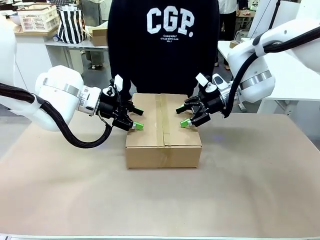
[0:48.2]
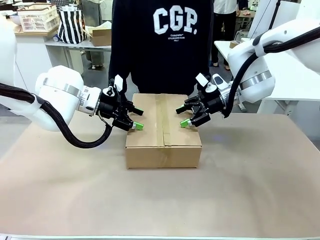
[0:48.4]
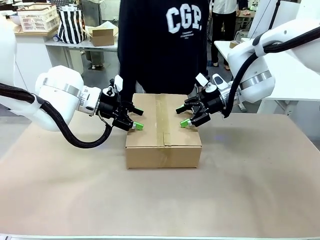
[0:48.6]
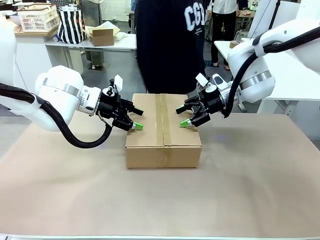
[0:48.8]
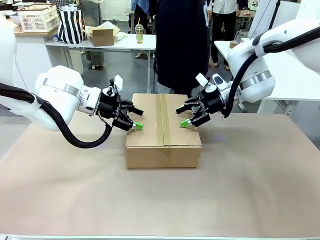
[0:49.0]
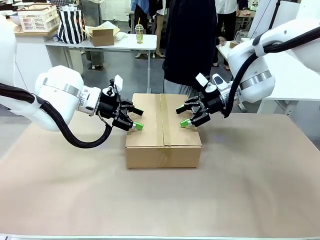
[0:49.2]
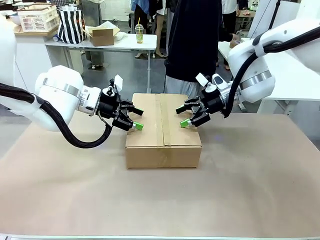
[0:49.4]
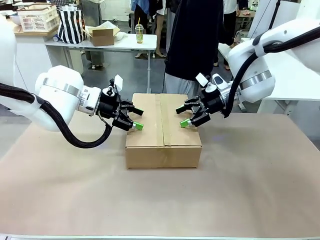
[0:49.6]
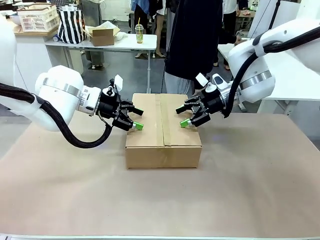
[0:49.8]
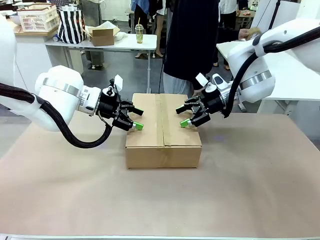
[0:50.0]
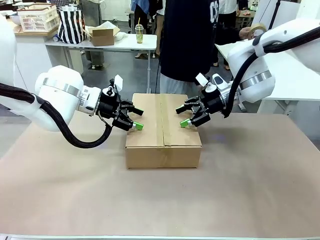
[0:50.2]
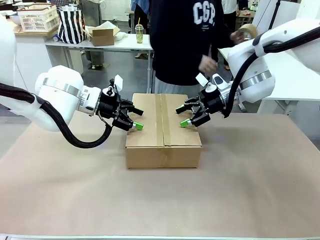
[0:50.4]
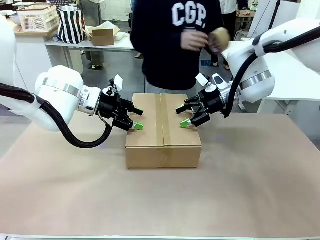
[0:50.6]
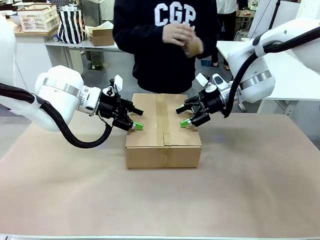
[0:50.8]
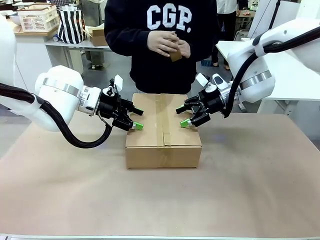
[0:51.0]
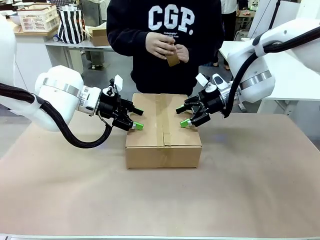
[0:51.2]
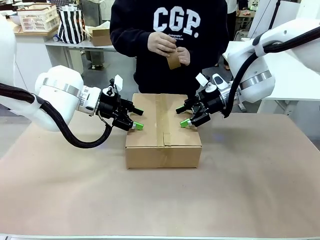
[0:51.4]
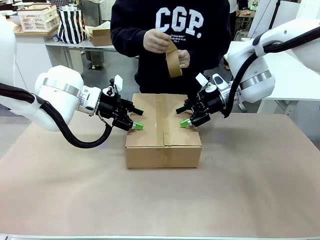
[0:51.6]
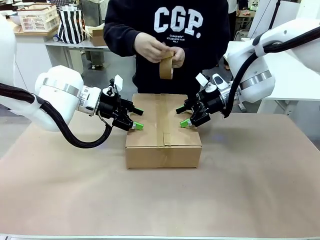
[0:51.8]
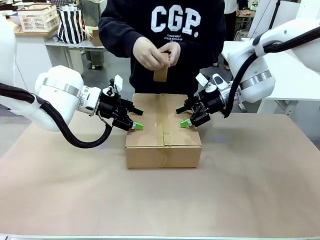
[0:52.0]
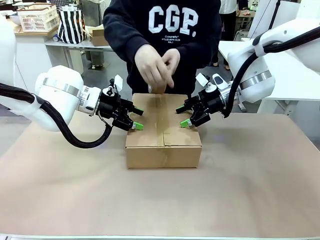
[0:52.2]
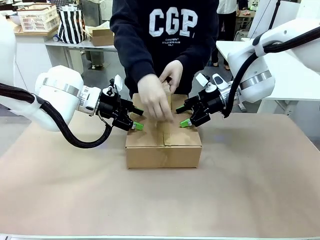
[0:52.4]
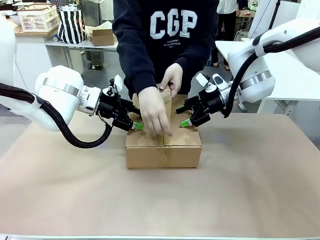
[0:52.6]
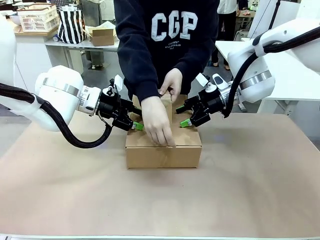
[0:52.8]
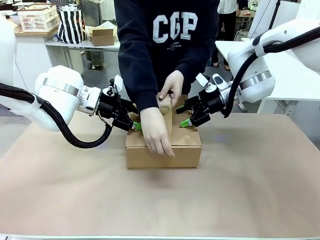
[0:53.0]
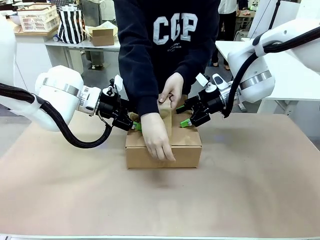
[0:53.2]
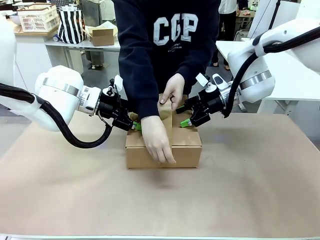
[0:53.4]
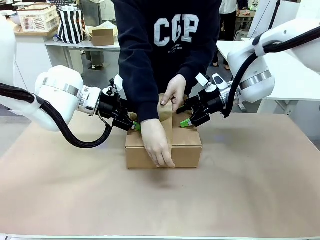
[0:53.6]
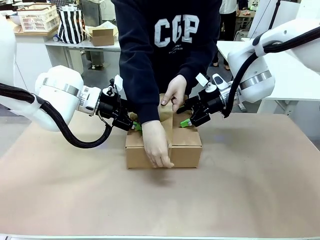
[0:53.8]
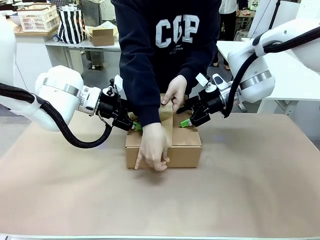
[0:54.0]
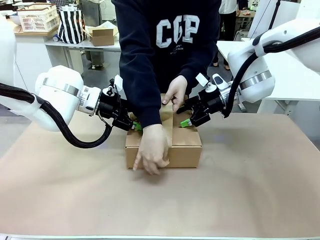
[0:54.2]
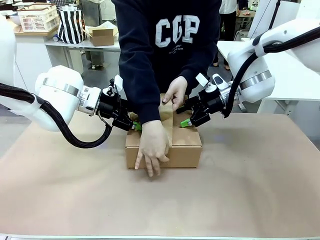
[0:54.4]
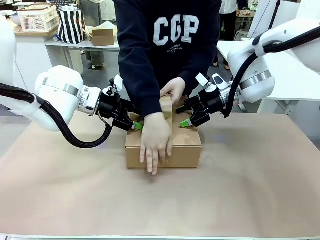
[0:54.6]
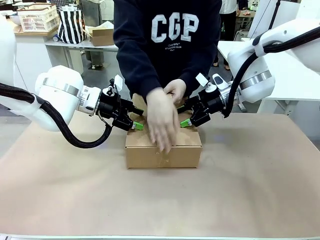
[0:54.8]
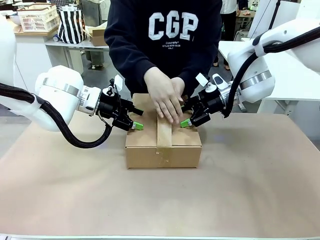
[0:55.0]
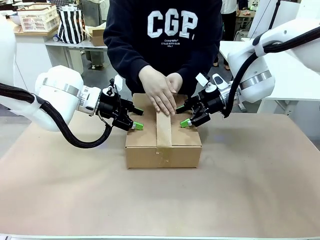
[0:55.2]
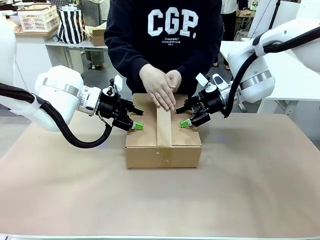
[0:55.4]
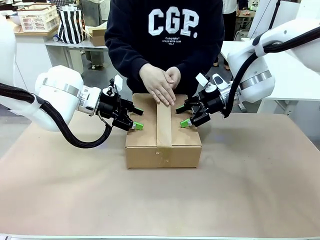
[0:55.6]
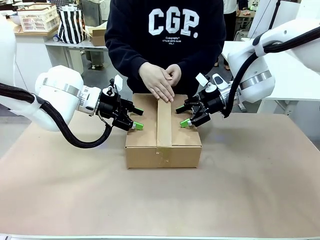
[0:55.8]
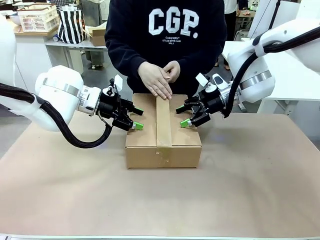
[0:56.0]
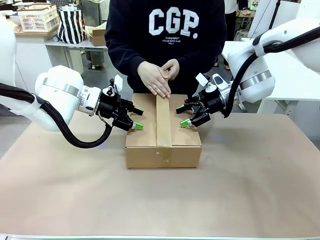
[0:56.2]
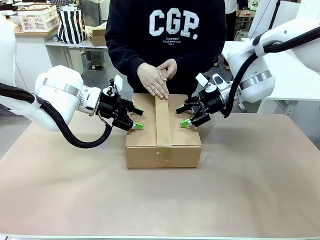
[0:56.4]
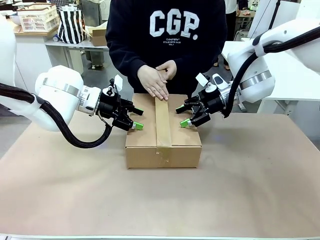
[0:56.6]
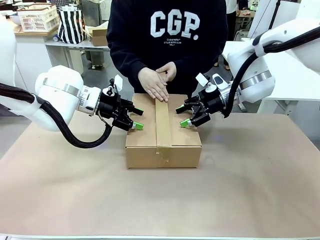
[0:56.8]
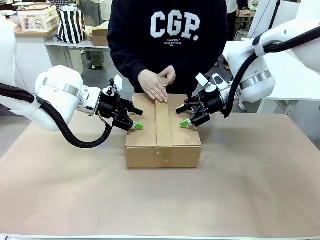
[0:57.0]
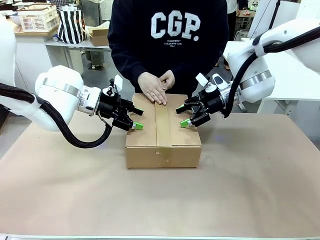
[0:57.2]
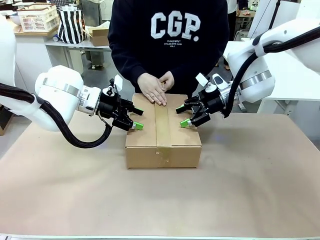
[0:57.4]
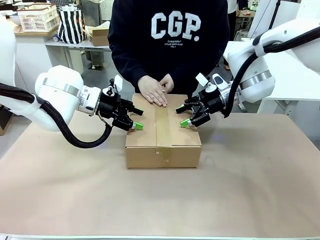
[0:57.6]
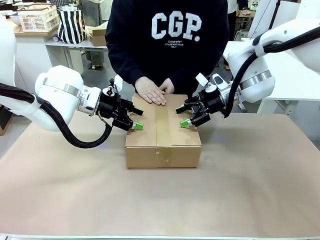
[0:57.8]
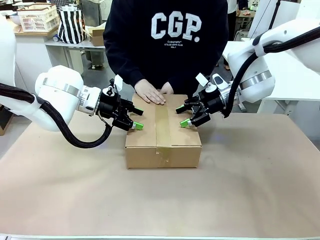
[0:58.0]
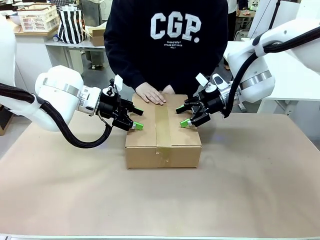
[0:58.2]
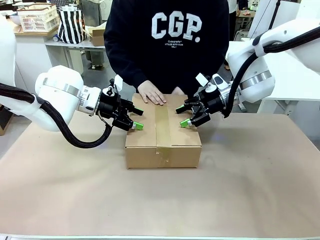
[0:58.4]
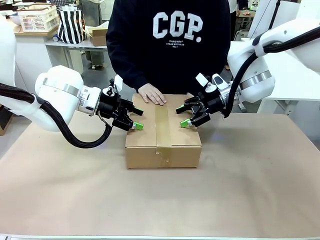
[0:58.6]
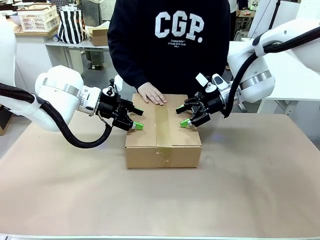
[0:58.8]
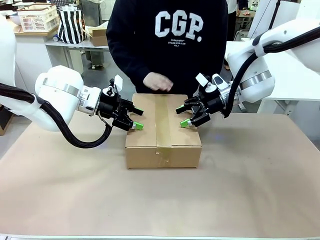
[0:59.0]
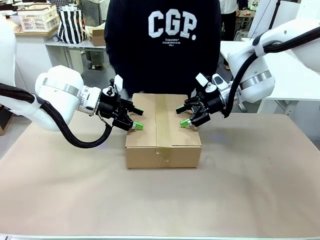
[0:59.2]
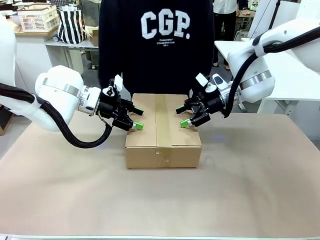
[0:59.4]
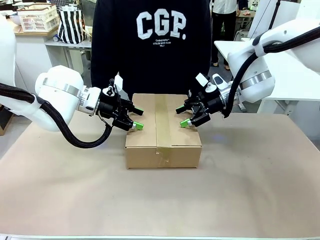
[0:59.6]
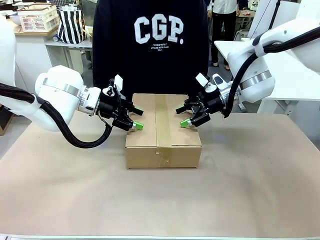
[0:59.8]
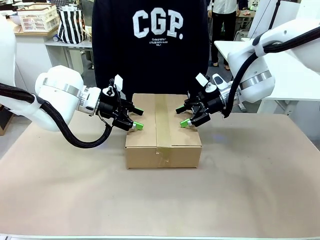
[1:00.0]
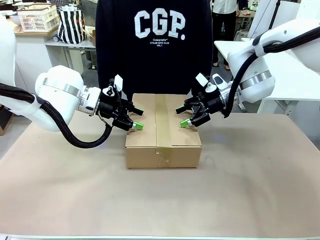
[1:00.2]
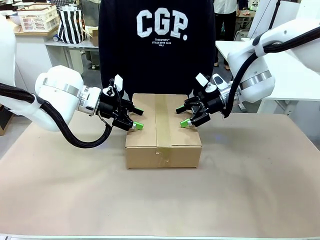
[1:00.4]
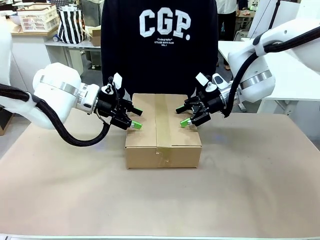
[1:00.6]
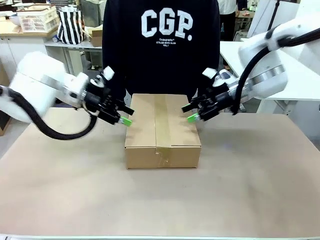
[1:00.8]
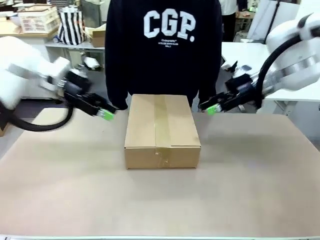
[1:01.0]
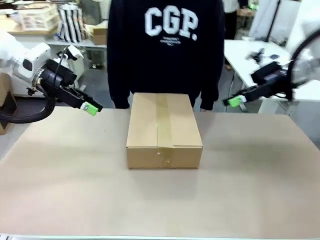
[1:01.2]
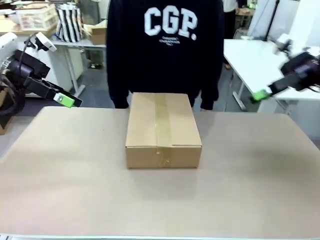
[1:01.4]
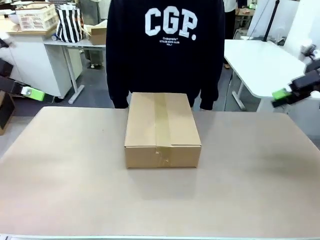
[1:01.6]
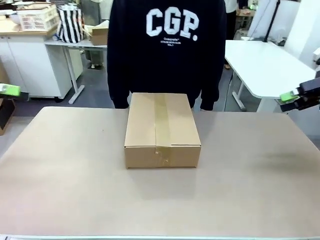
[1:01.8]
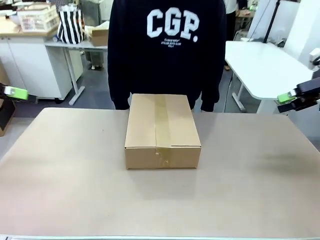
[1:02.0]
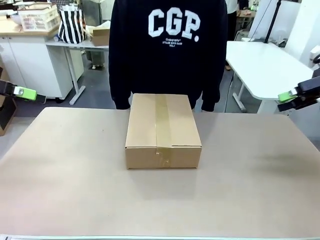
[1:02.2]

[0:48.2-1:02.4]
Task: Pack the gift set into the box.
Robot: Press and hold the closed box until the human finishes sealing it.
Person: The human picks up the paper tape from the human table and packs the box.
